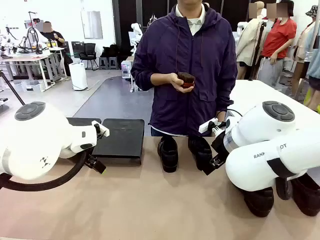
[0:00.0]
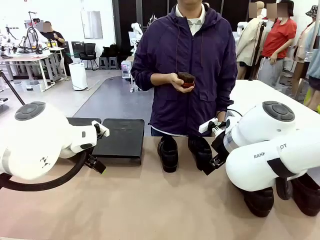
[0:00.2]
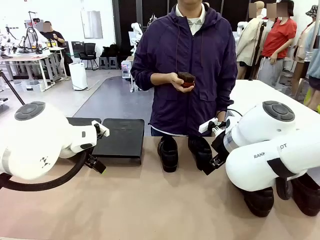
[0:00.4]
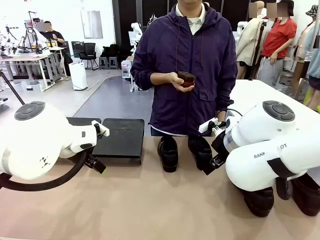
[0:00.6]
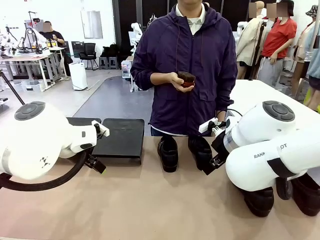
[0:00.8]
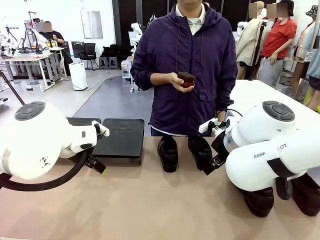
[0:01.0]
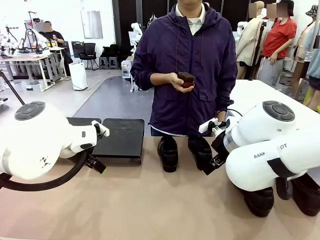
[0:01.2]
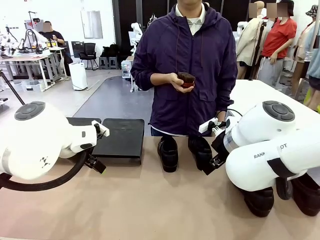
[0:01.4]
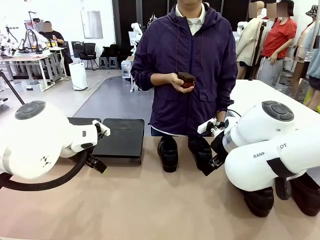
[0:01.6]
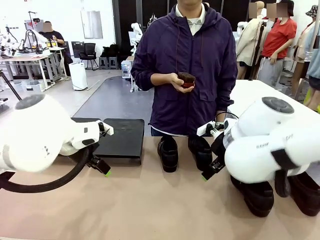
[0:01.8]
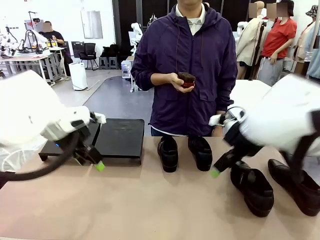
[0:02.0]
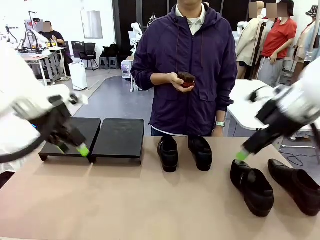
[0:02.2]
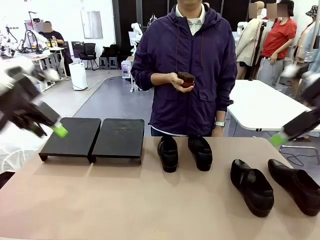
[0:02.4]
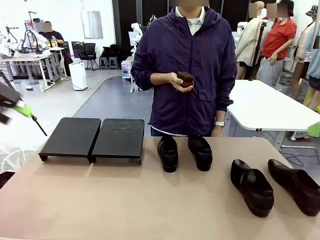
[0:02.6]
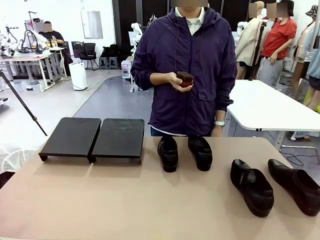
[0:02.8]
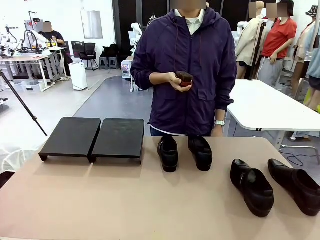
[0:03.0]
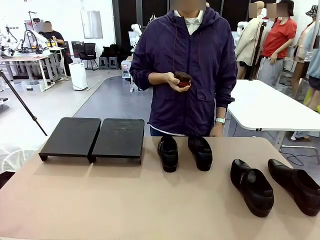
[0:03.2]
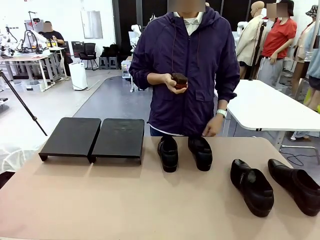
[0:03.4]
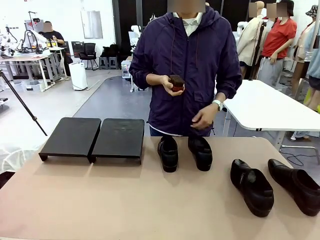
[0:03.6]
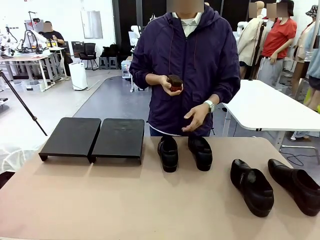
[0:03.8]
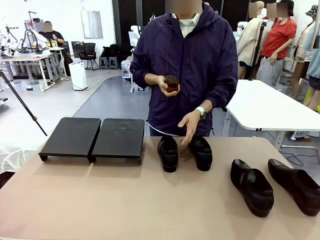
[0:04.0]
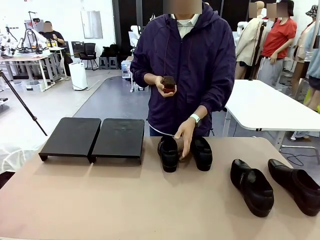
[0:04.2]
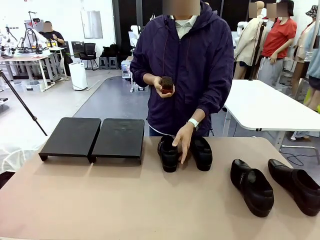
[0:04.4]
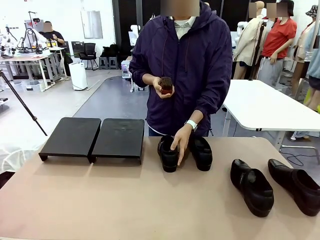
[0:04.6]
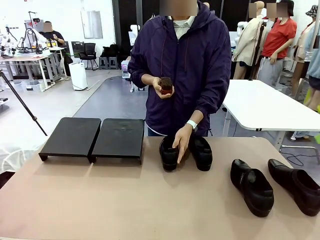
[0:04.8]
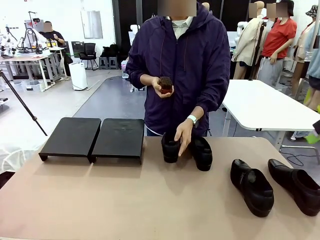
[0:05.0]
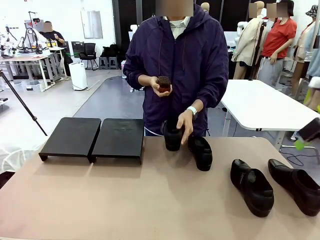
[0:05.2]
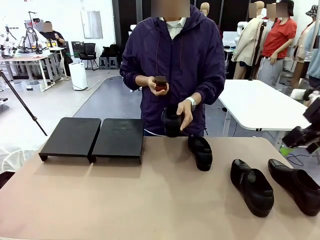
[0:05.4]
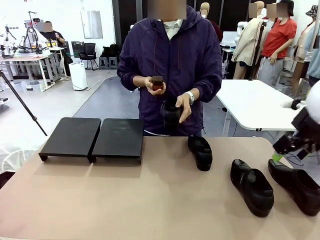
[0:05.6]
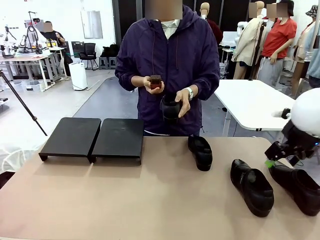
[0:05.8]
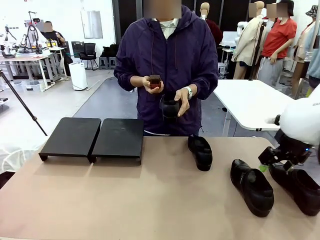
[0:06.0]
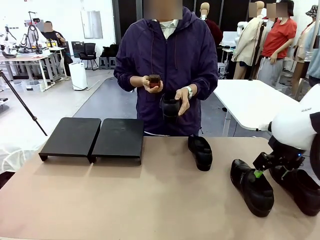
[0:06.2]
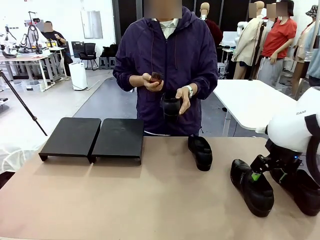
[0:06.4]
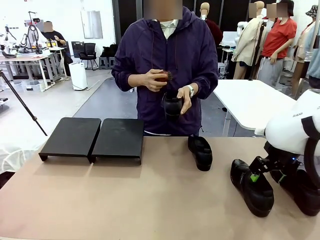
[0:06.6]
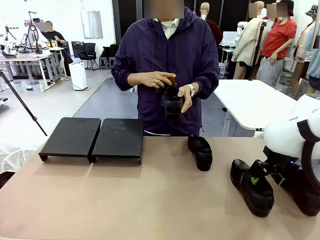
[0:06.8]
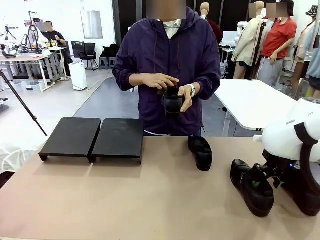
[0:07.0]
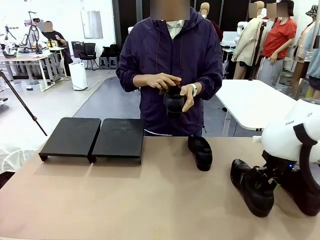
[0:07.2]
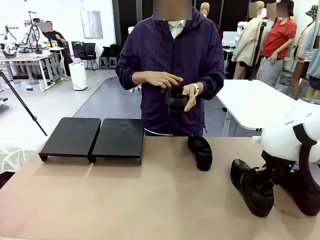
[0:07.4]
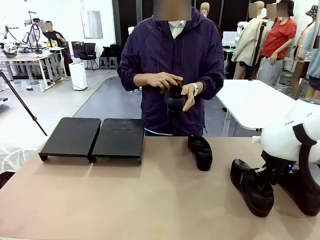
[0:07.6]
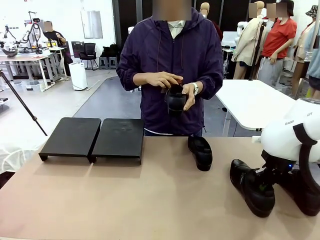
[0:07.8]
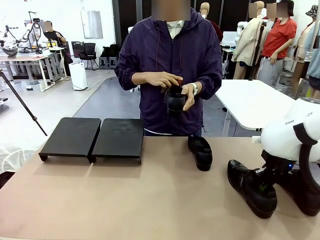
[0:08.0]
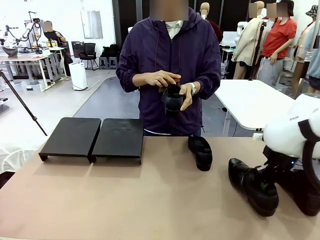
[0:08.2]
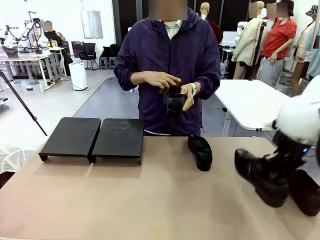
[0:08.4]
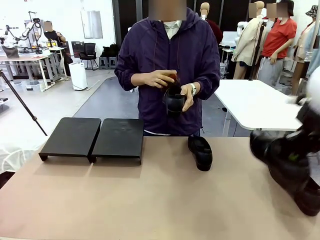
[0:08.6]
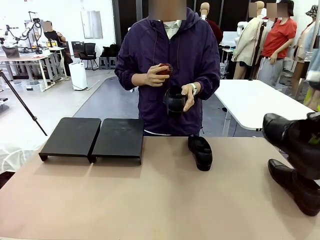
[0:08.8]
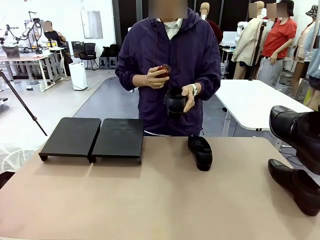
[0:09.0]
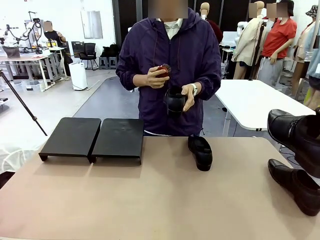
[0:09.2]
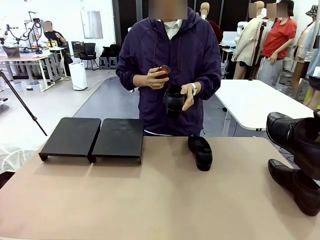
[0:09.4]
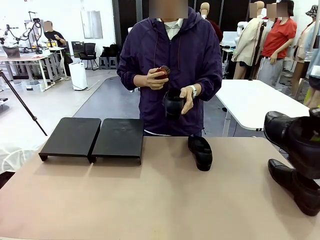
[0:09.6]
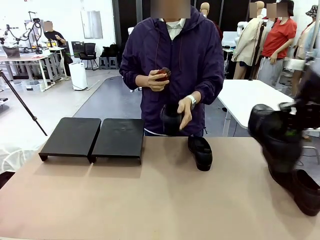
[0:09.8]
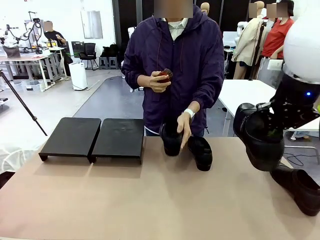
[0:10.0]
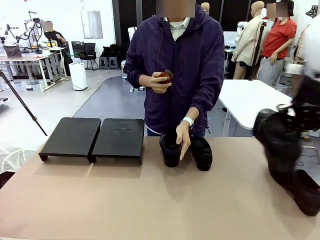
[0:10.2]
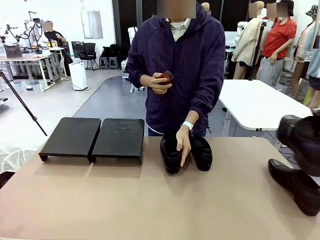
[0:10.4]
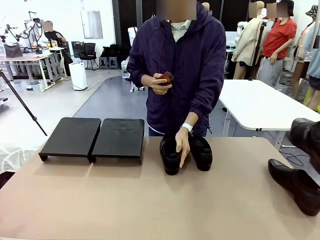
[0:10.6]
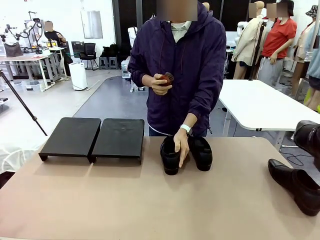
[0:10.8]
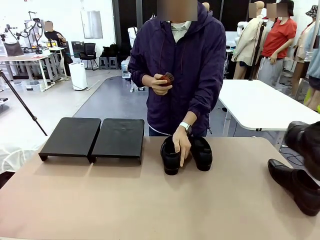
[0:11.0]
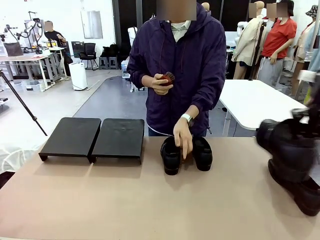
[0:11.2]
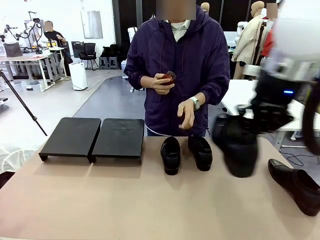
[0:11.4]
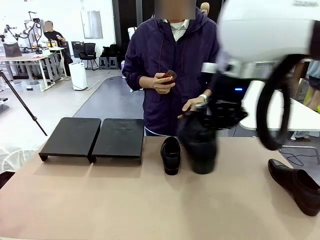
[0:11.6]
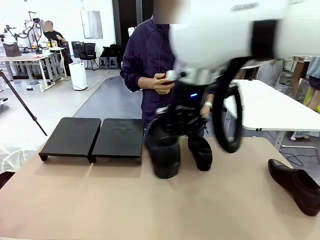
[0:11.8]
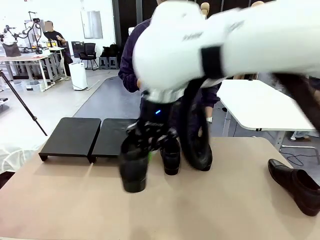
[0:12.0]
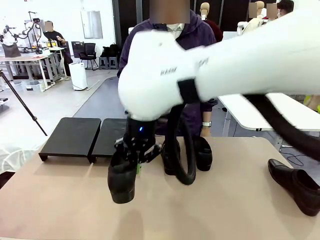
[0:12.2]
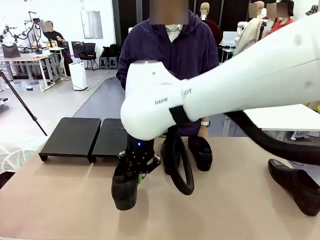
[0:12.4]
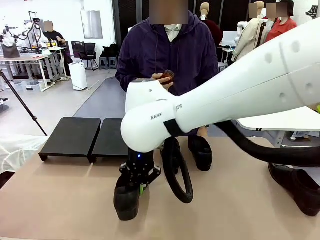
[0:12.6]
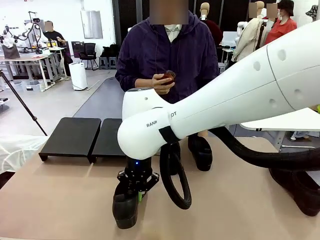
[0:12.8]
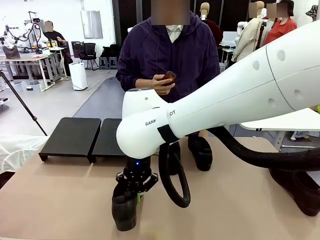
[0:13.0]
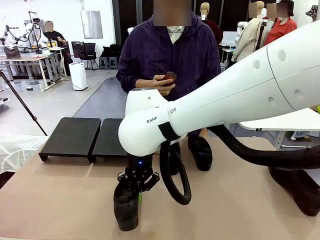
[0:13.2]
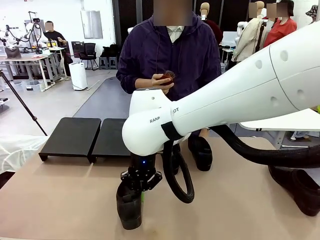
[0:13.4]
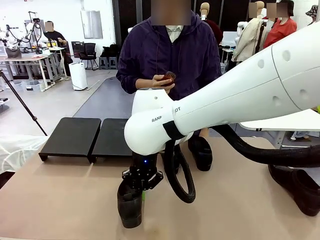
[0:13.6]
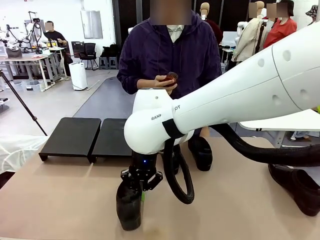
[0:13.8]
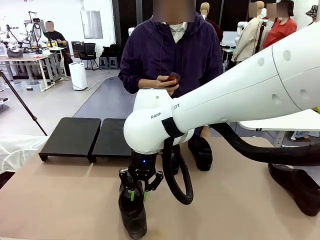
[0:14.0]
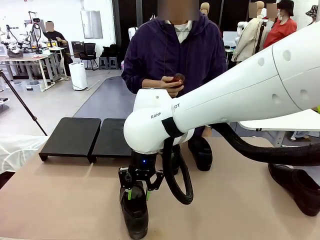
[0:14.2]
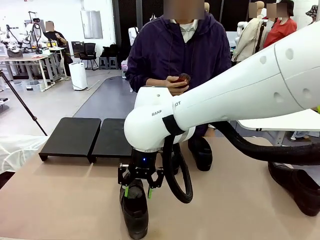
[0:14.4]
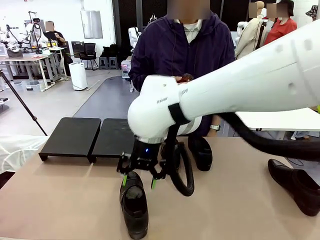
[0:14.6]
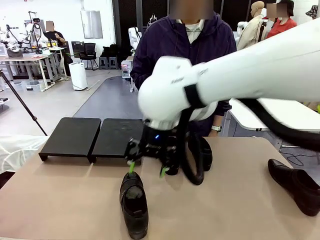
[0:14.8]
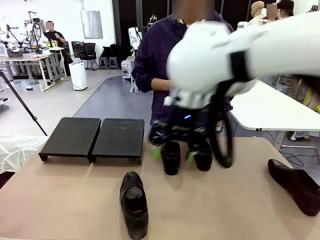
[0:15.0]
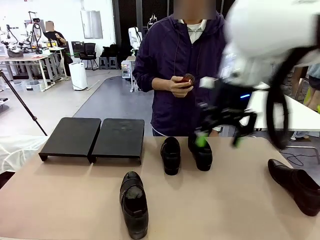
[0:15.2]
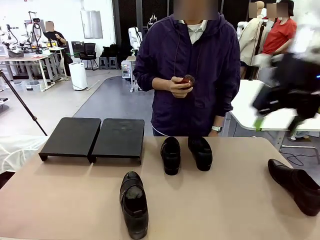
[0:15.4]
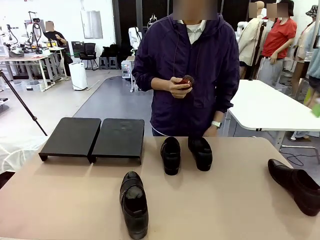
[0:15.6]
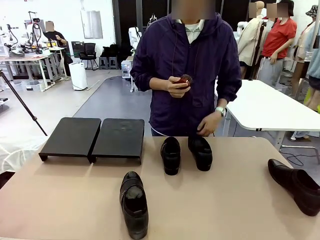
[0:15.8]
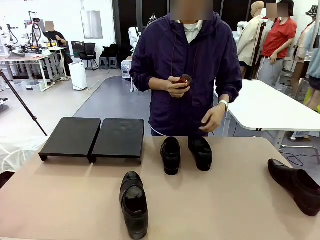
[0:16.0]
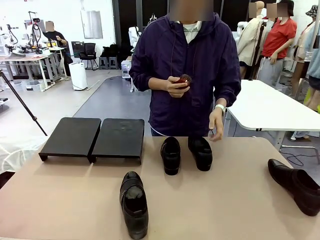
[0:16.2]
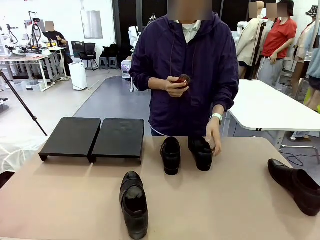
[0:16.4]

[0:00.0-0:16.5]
Task: Organize the shoes by placing them on the stand.
Robot: Pick up one Shoe and place it in the middle of the table.
Person: Pick one Shoe on Robot's table. Clean the Shoe with the Shoe Brush. Place the Shoe on left side of the Robot's table. Pick one Shoe on Robot's table.

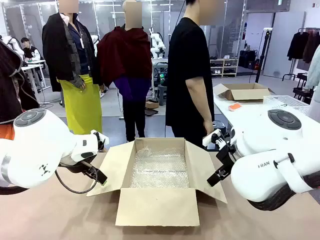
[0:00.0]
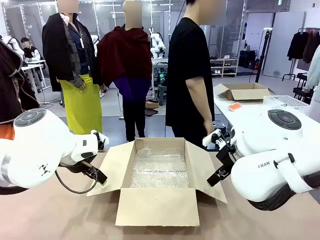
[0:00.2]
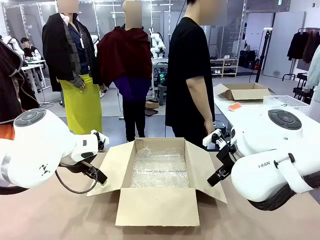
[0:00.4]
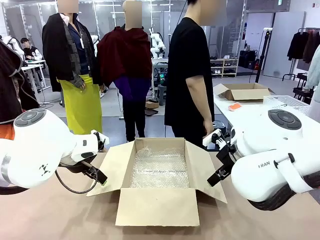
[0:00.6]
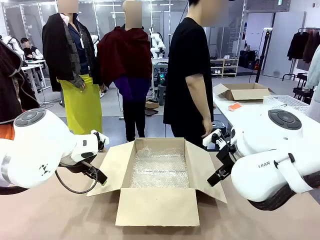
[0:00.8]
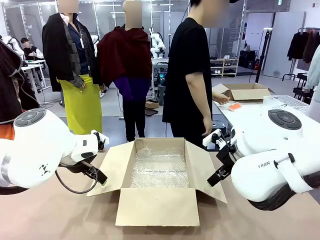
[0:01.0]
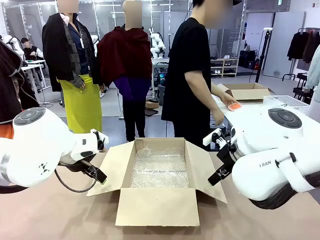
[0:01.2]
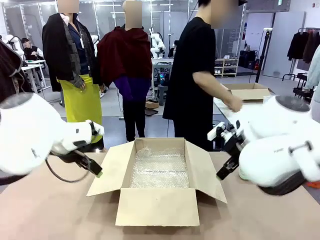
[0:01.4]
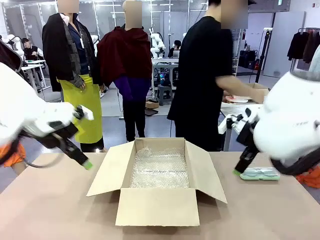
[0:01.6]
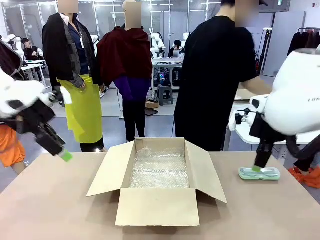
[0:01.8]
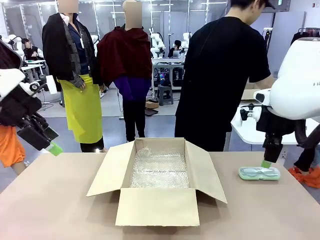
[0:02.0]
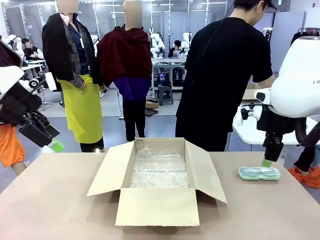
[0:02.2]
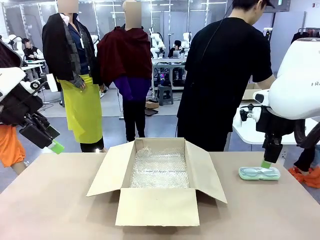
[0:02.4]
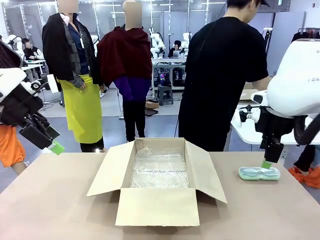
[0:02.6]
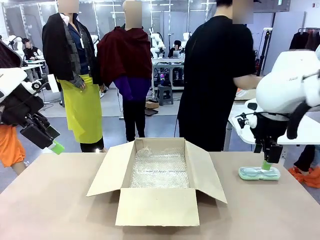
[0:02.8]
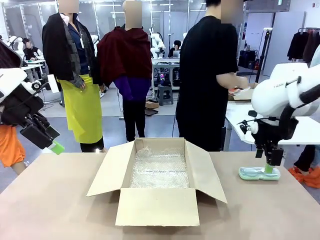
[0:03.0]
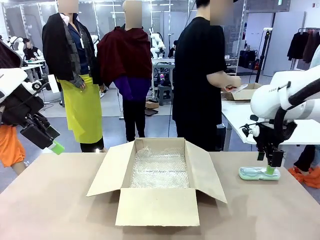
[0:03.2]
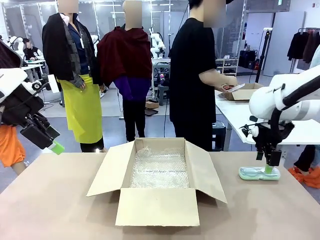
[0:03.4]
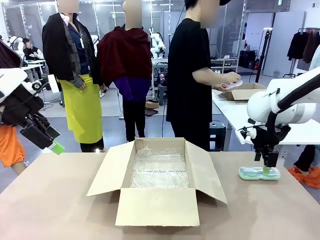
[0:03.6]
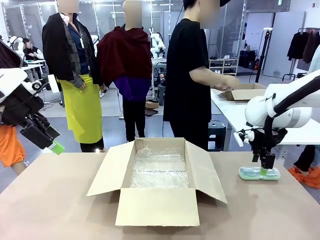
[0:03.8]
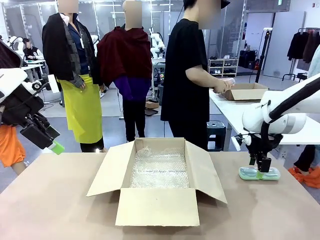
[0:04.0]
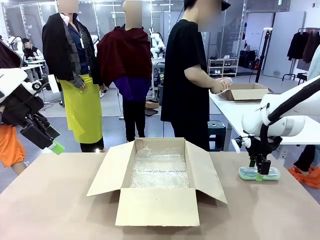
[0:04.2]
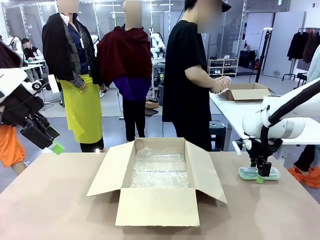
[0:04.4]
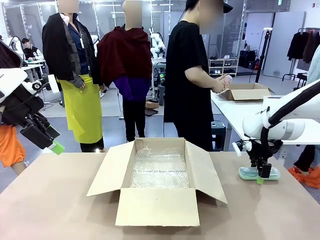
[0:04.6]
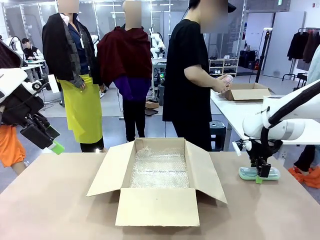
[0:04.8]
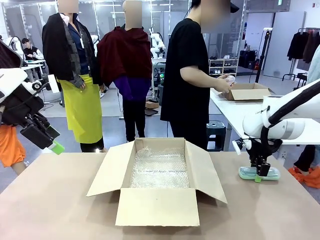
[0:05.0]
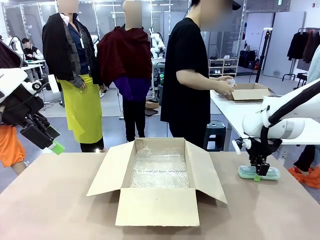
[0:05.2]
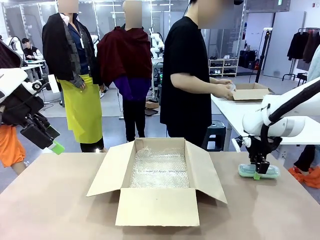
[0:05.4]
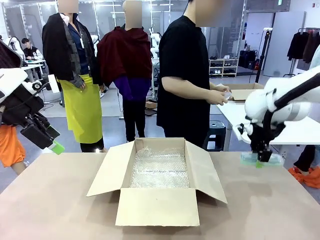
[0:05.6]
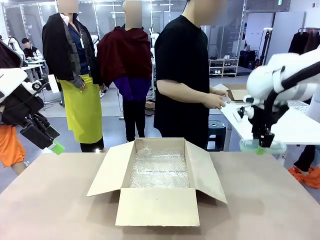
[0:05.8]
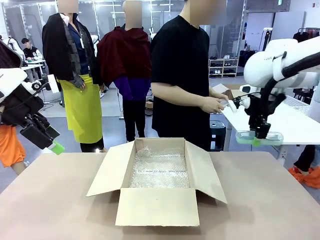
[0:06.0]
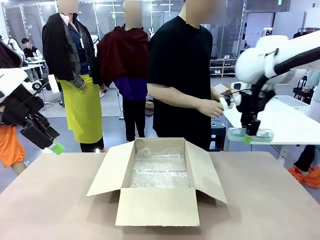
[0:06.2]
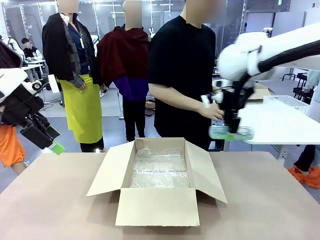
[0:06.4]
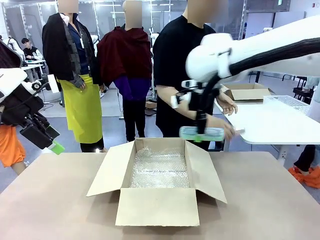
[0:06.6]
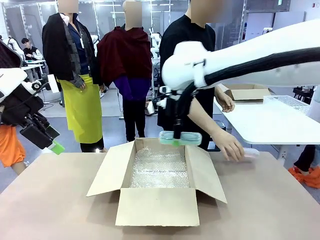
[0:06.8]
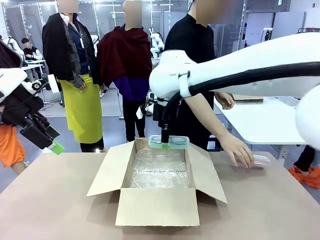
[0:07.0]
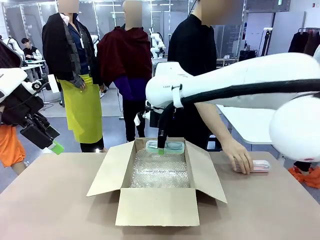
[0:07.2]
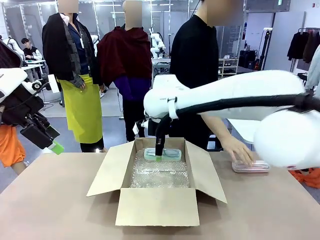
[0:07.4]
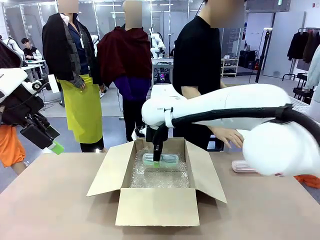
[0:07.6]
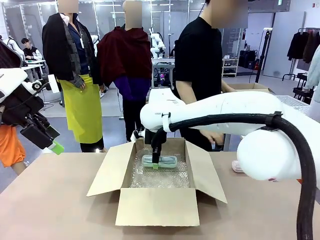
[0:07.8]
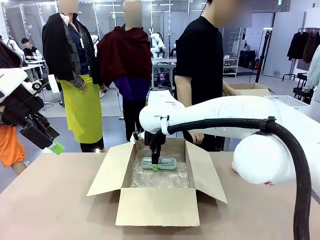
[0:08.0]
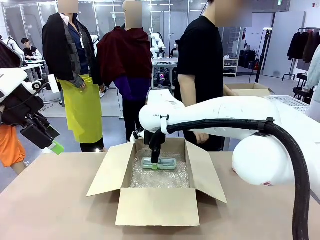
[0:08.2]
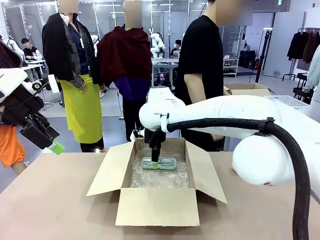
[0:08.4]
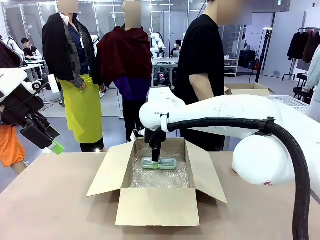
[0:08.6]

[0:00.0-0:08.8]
Task: Pack the glasses set securely to prepare it for shipping.
Robot: Place the Glasses case inside the Package Box.
Person: Place the Glasses inside the Glasses case. Position the Glasses case on the left side of the robot's table.
